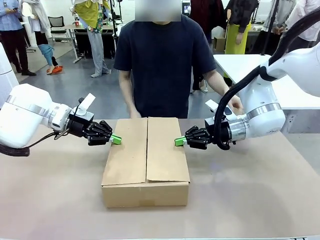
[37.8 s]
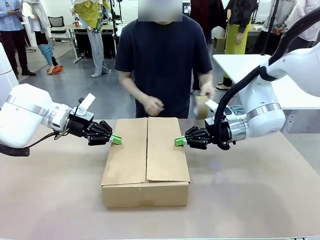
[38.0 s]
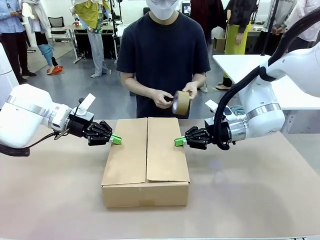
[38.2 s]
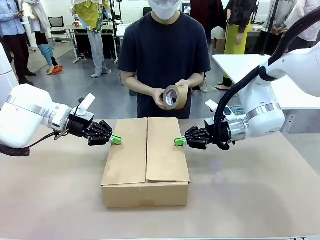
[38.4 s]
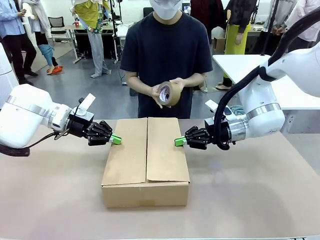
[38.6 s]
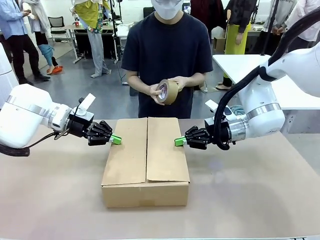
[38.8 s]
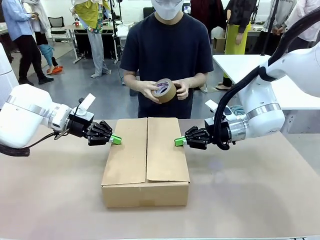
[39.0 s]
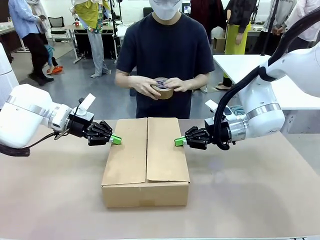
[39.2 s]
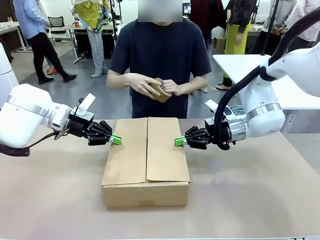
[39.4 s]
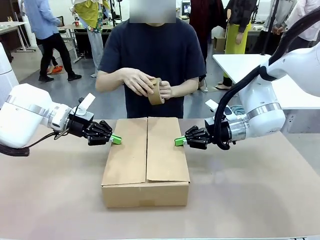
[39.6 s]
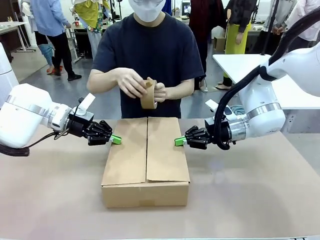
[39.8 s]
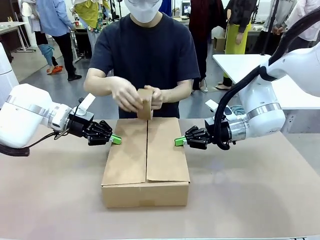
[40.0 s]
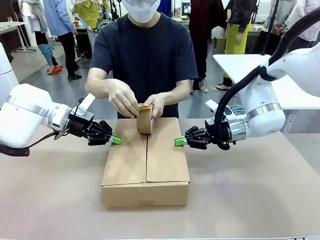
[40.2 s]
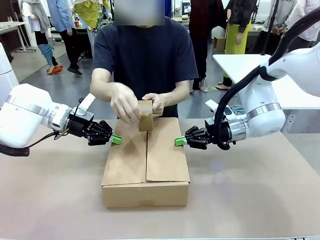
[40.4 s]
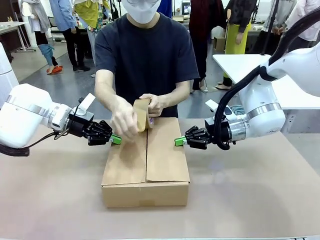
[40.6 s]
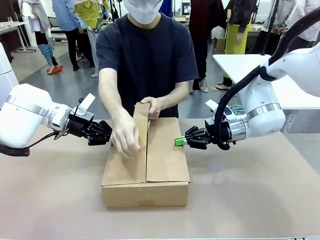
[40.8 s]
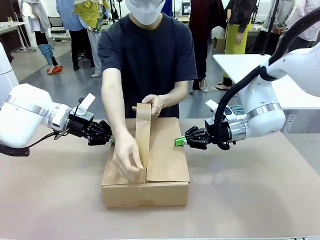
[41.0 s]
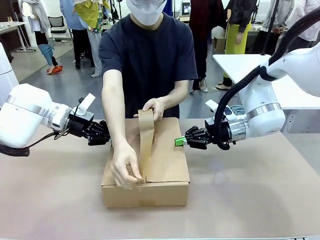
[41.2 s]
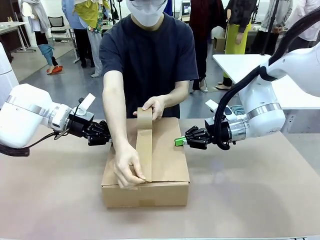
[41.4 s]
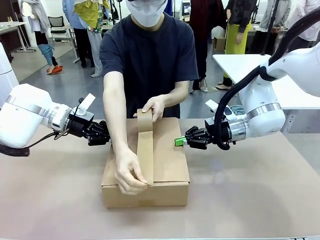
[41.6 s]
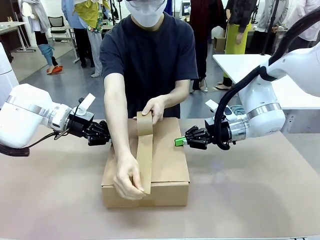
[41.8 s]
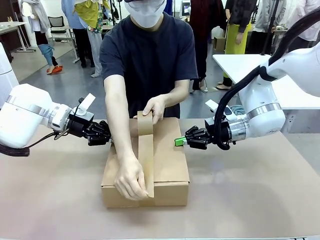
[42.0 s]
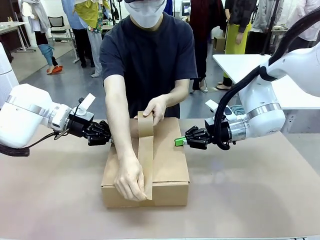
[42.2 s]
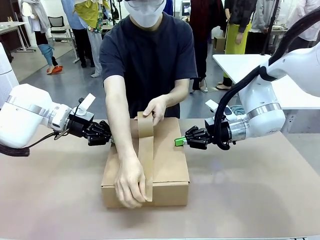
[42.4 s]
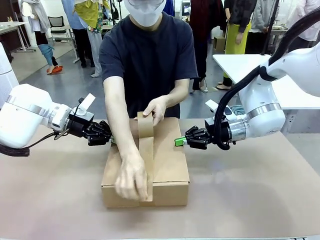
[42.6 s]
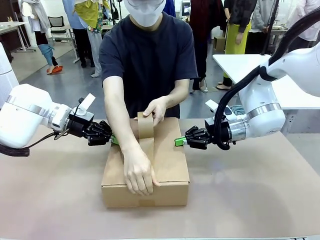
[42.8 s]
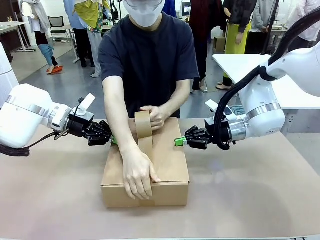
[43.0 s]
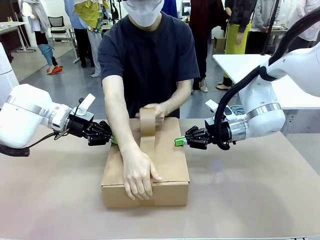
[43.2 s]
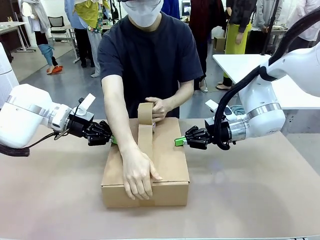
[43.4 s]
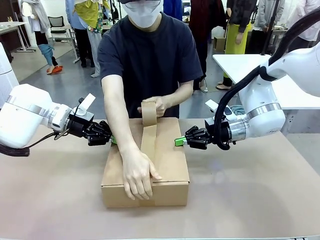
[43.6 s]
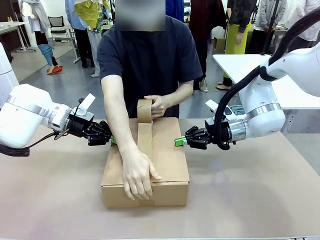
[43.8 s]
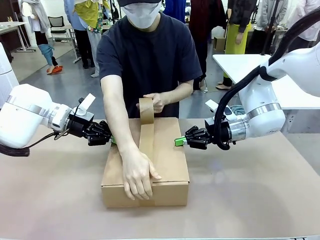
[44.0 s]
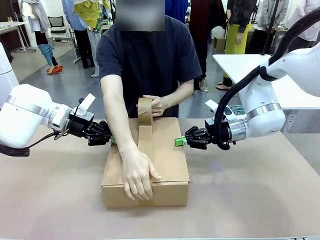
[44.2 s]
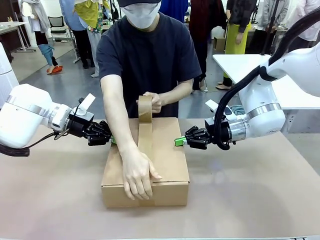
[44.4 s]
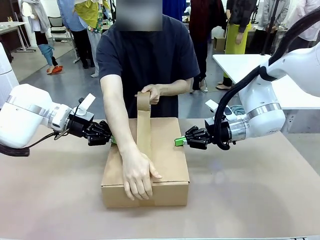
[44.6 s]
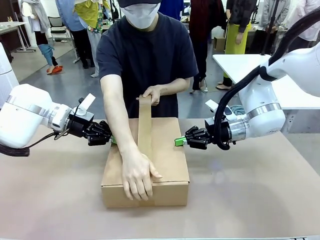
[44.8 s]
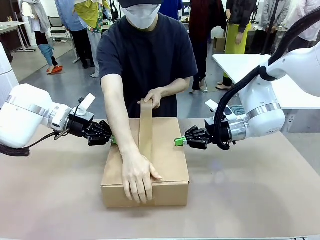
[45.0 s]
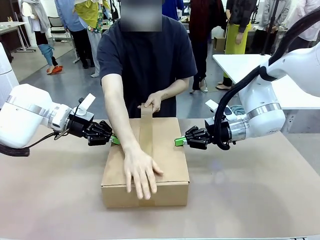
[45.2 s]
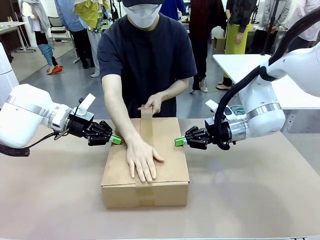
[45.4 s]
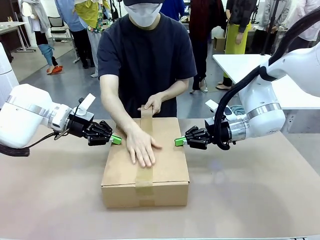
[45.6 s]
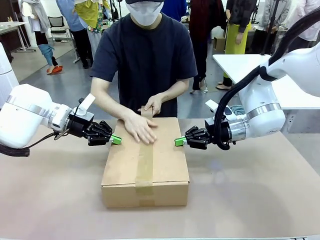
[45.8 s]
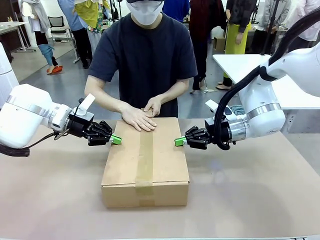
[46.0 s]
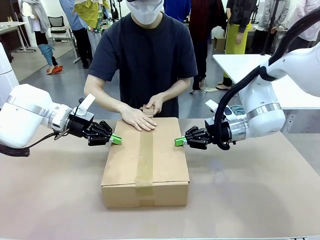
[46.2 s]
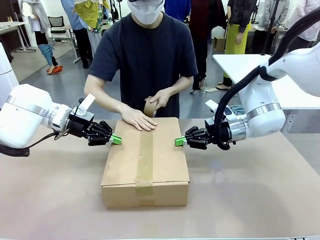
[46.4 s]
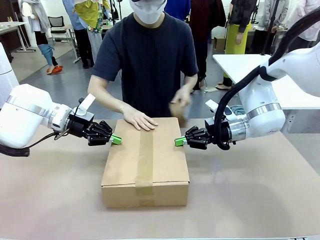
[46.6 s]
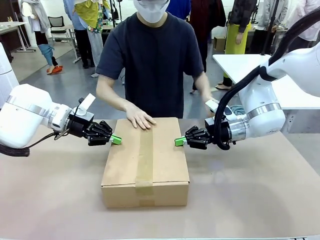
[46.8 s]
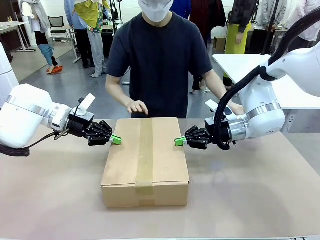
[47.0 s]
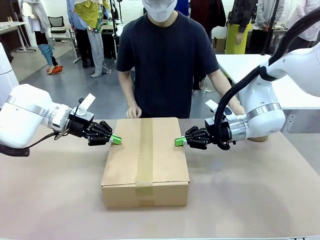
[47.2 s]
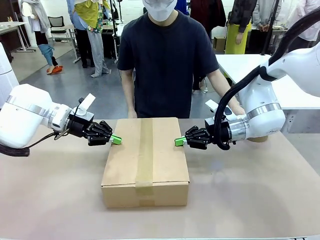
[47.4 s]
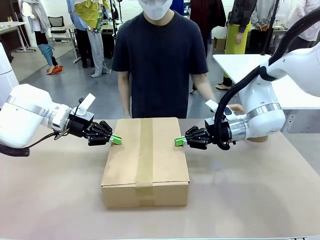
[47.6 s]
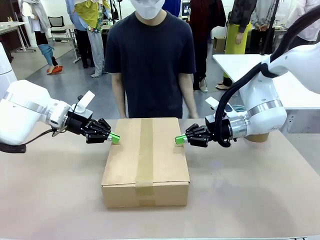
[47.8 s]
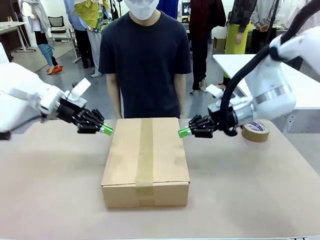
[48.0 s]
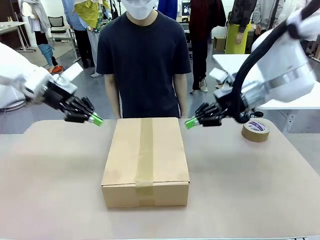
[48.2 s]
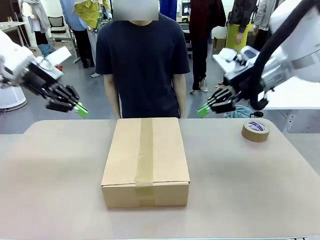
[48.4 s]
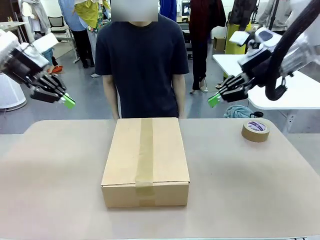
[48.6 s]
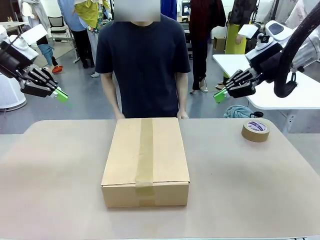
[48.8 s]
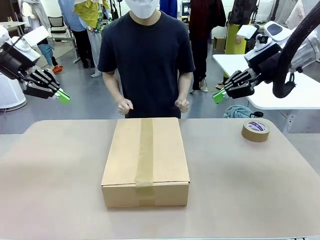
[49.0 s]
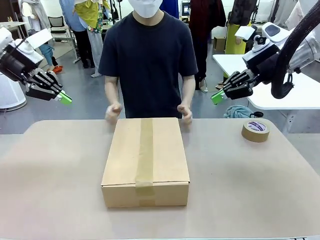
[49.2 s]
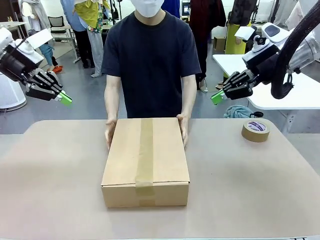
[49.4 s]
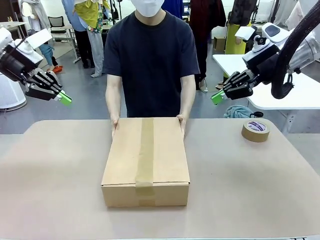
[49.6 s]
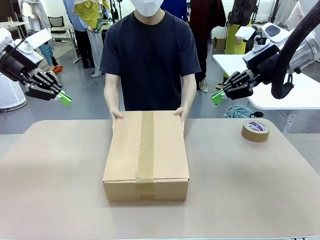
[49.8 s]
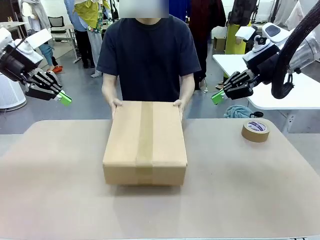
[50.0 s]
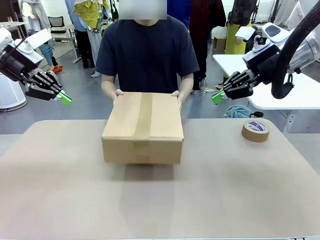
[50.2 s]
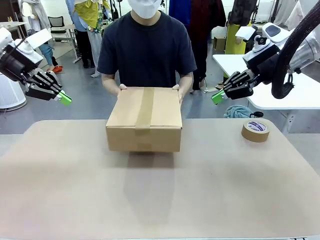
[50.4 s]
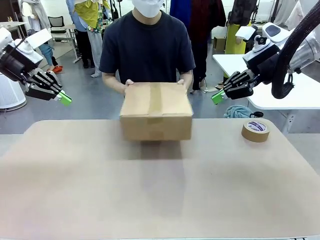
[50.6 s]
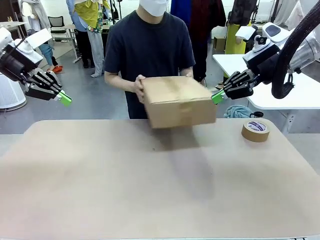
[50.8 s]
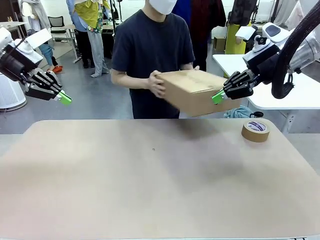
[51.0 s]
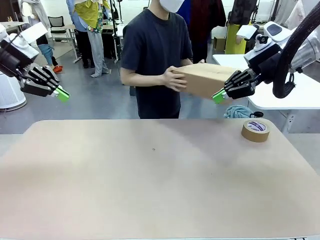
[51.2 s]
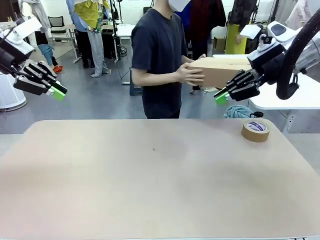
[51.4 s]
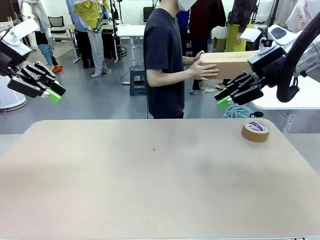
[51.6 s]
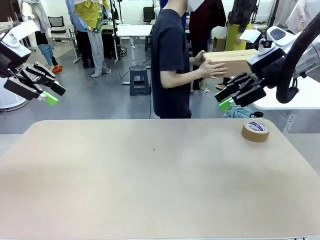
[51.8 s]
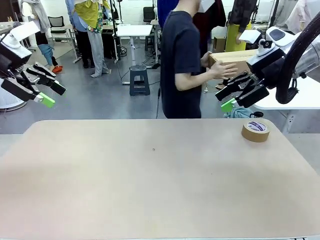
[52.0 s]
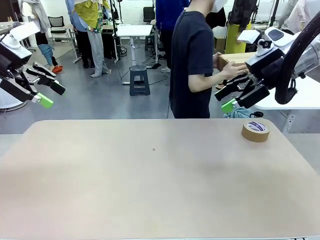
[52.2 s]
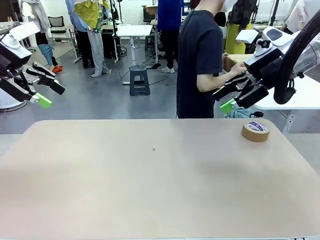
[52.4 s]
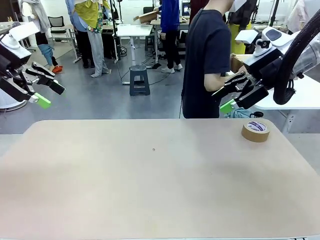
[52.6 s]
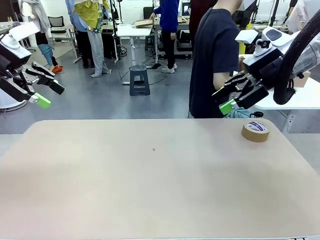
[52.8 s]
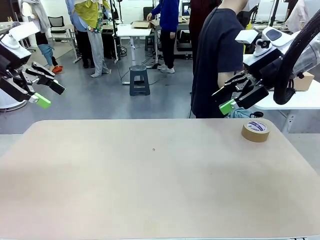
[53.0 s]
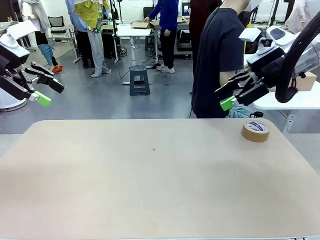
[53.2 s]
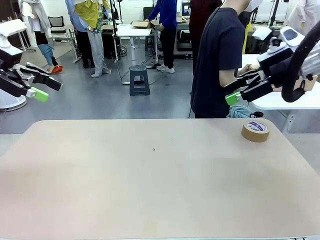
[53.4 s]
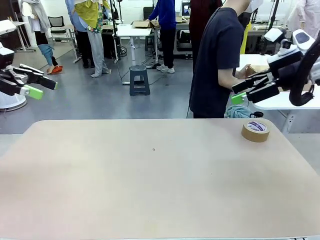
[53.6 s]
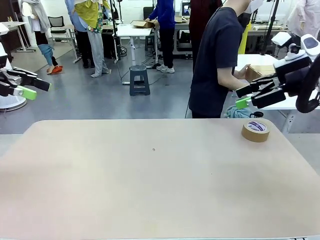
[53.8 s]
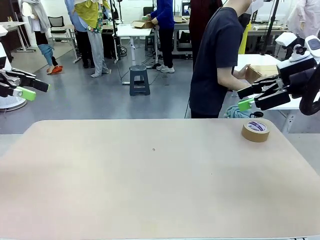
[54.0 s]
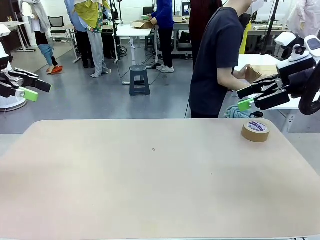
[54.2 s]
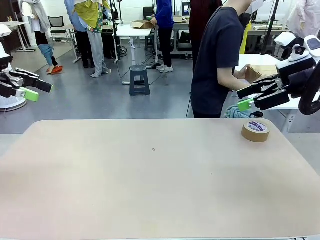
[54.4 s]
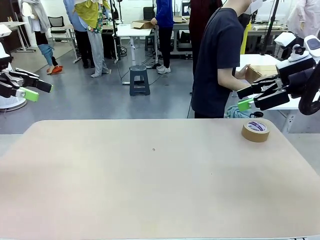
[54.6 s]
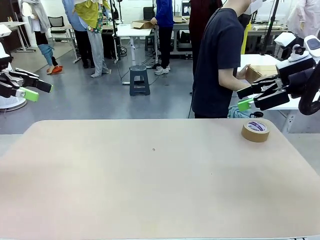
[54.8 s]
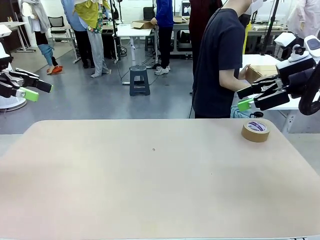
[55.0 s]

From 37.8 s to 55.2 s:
Task: Wrap the clocks to prevent damage.
Robot: After the human seals the box with tape, release both hands from the side flaps of the Package Box.
Person: Once the robot closes the left flap of the Package Box , seal the box with Paper Tape. Place sealed Package Box in the middle of the human's table.
